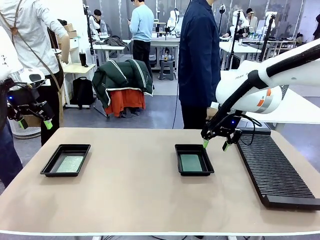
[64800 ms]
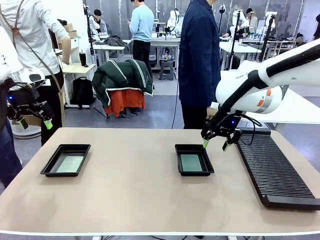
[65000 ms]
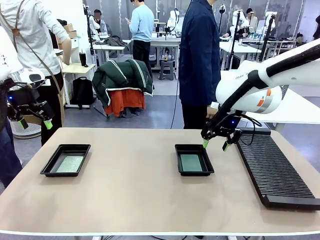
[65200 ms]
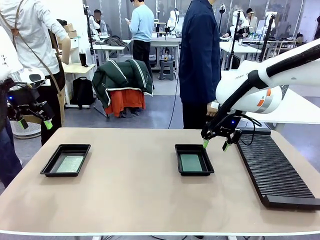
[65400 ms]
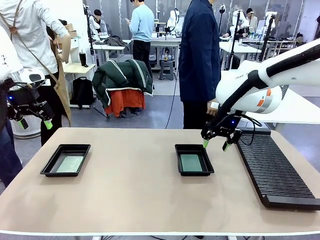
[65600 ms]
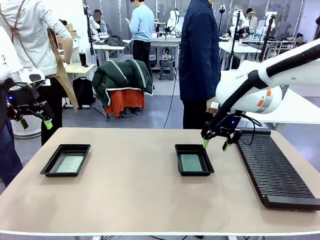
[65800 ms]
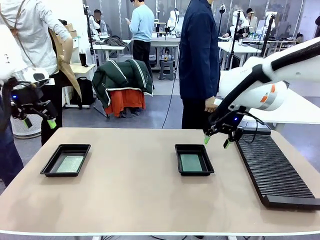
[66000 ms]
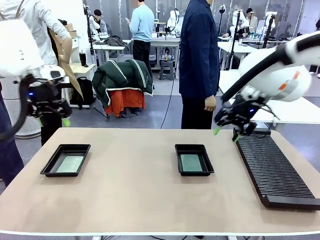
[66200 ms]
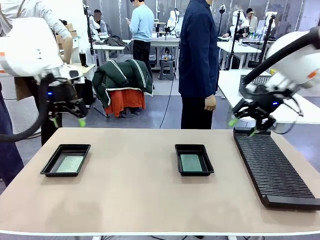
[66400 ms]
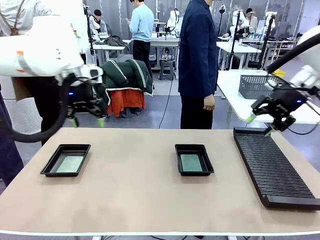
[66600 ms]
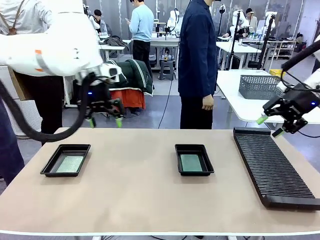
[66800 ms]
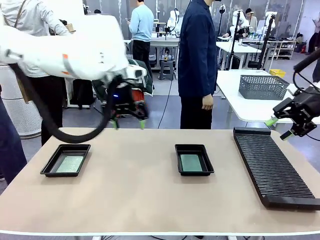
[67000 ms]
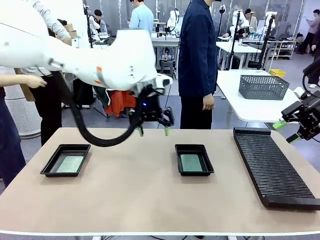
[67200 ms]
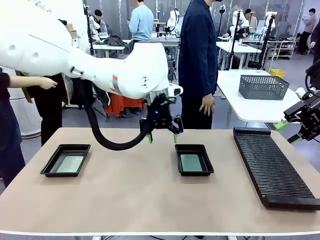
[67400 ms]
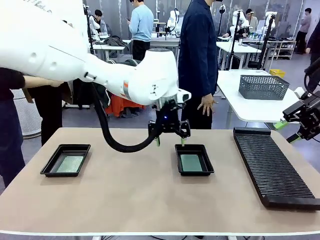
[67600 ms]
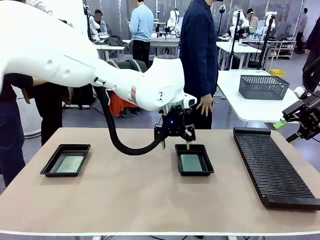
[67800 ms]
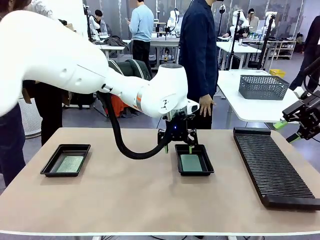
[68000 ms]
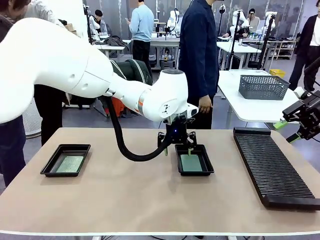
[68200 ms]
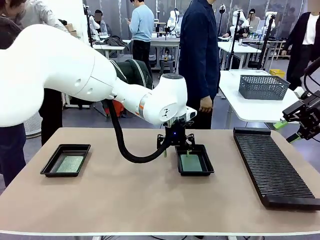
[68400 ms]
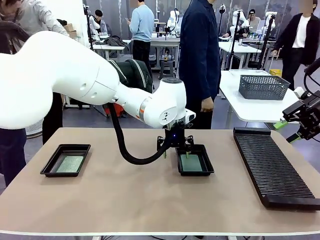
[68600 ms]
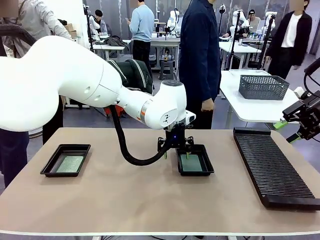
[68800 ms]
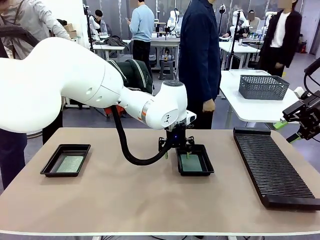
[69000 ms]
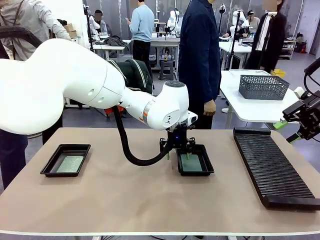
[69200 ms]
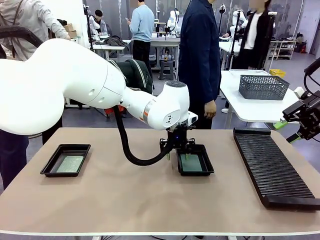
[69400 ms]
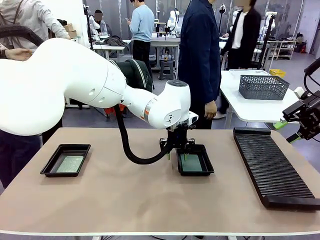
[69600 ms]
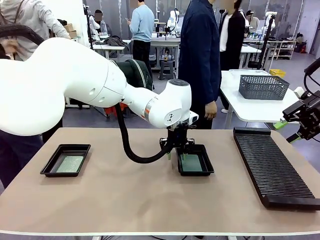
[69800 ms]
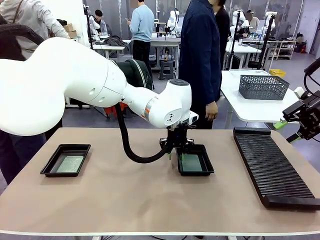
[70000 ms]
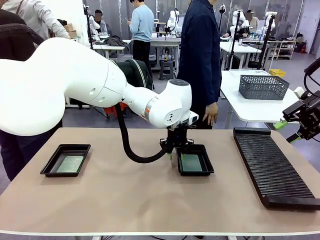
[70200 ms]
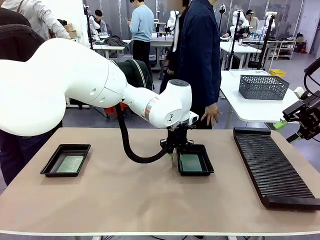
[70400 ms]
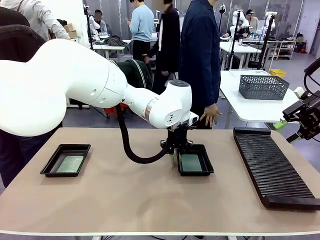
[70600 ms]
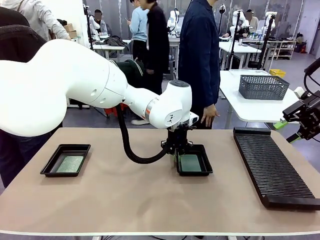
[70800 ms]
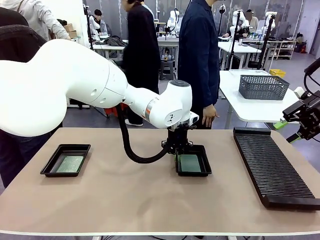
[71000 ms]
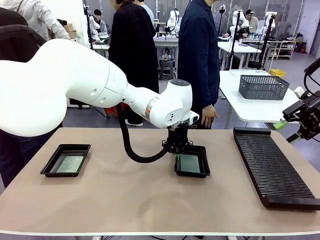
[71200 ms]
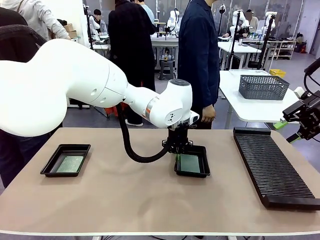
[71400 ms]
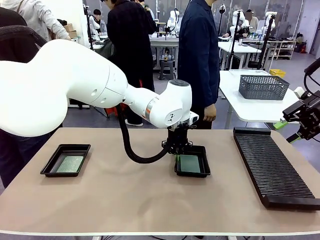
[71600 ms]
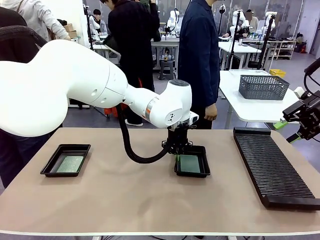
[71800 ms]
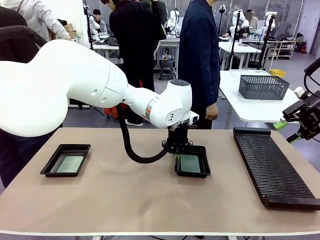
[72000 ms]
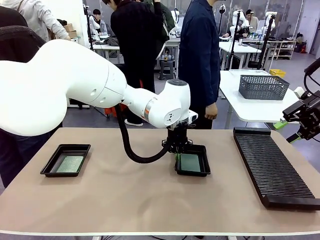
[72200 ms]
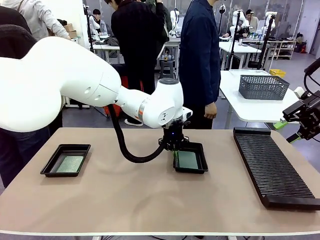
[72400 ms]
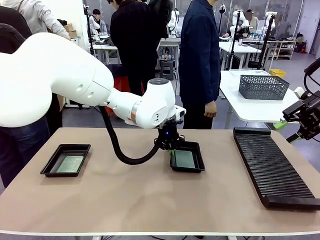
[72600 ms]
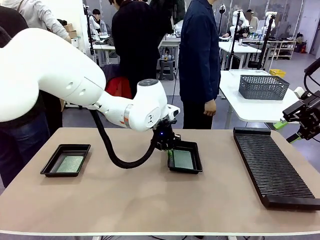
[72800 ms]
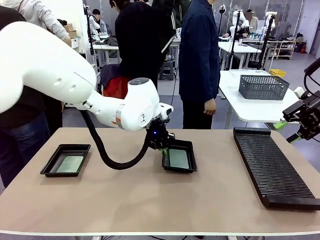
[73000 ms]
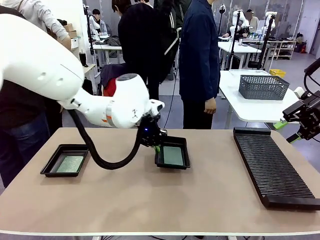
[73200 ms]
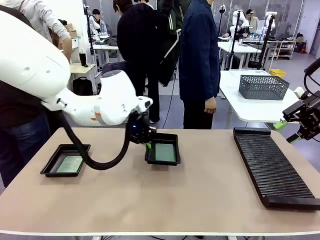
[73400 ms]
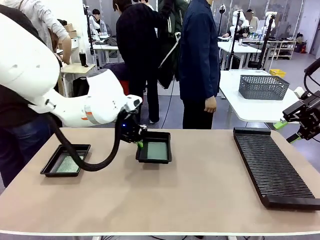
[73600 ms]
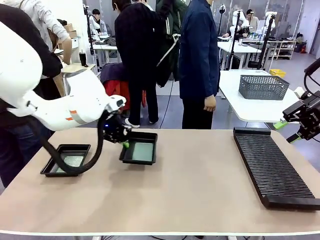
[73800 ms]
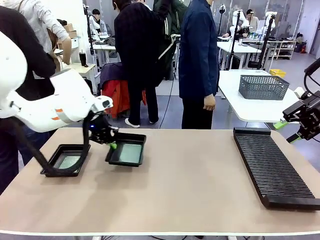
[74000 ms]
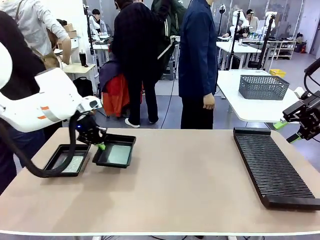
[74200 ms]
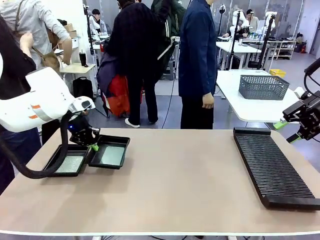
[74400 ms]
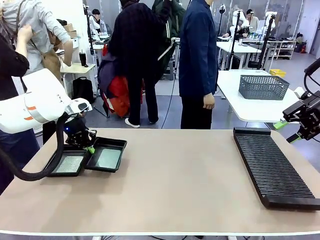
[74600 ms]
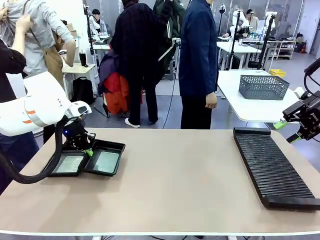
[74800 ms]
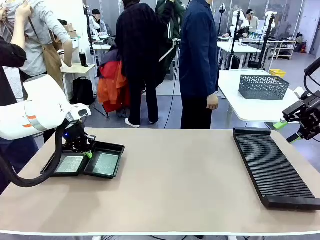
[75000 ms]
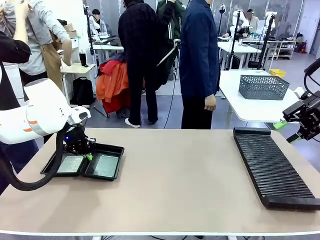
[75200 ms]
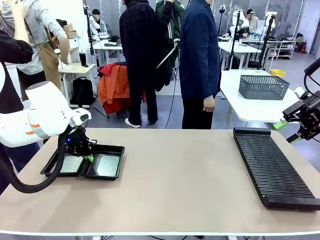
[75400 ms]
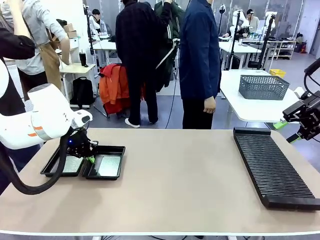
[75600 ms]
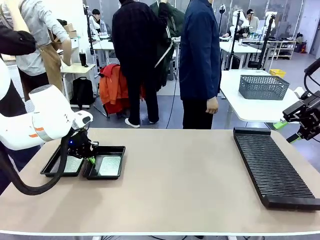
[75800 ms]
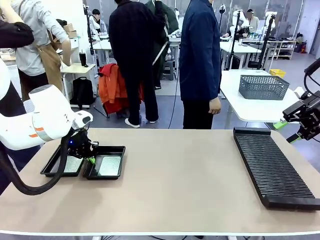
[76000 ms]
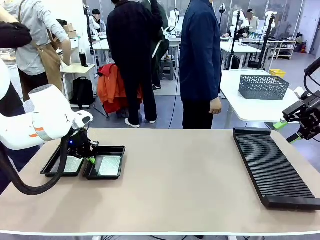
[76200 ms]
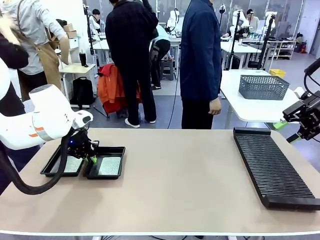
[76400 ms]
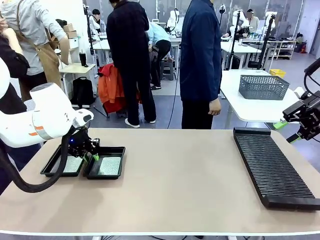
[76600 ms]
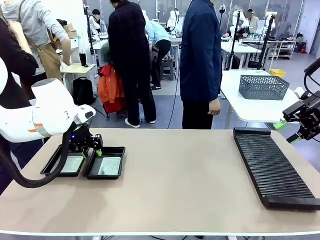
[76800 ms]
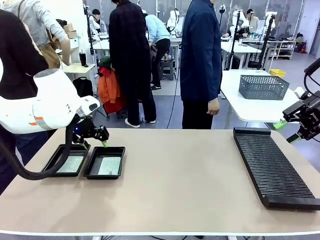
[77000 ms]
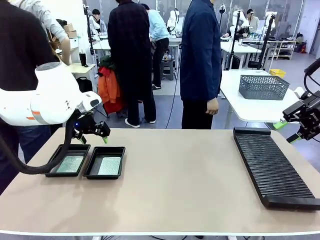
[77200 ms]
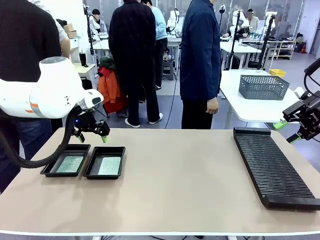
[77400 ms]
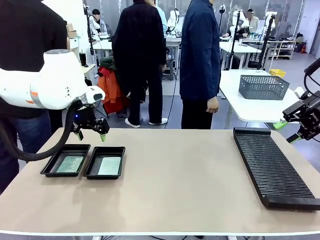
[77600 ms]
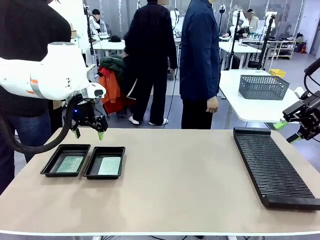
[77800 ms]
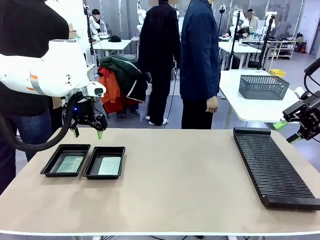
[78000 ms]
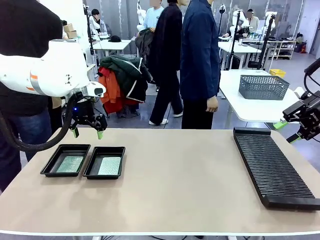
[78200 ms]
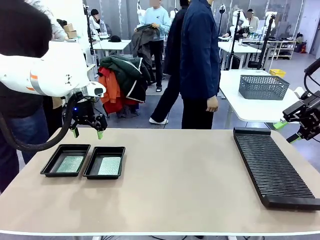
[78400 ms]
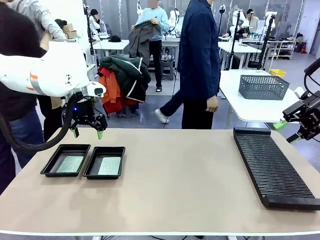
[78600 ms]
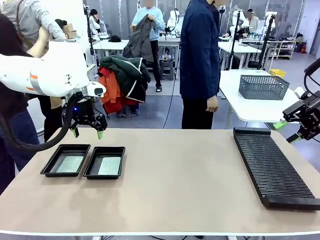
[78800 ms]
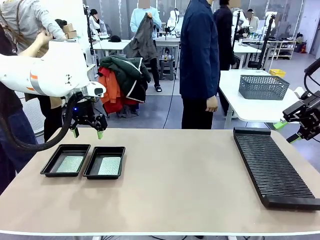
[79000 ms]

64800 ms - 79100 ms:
Task: Inspect and transfer BCBs to ESD trays.
Robot: Pick up the ESD tray and place it on the left side of the table.

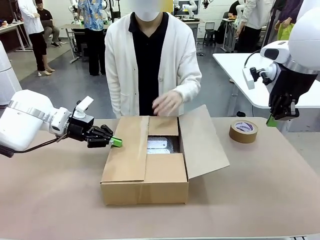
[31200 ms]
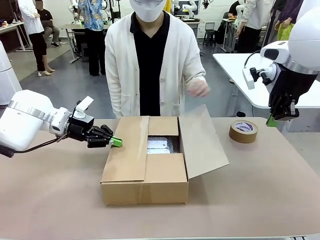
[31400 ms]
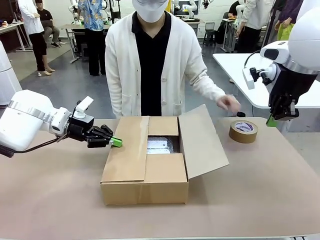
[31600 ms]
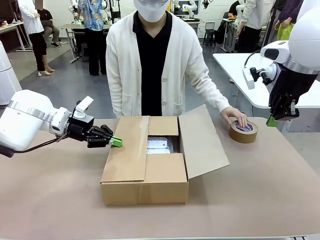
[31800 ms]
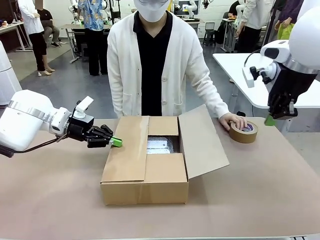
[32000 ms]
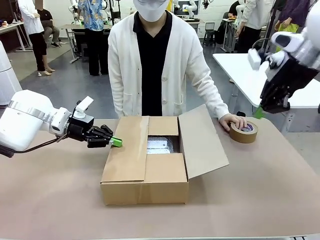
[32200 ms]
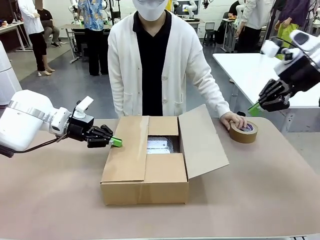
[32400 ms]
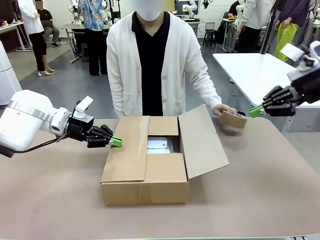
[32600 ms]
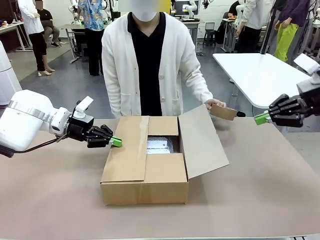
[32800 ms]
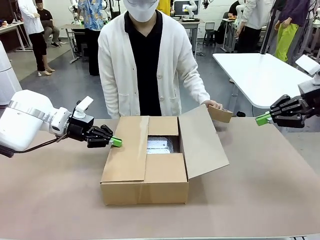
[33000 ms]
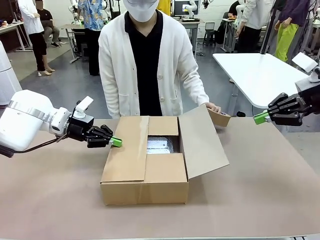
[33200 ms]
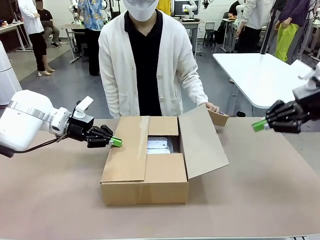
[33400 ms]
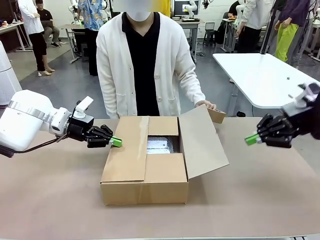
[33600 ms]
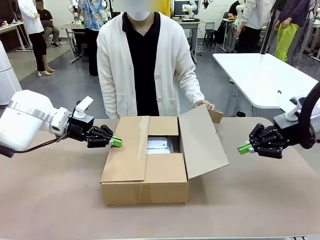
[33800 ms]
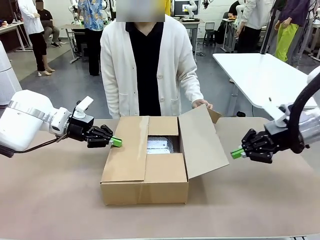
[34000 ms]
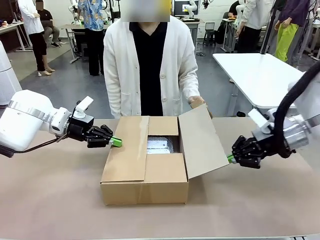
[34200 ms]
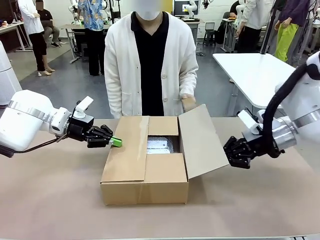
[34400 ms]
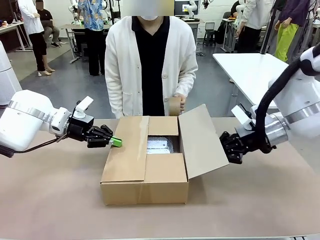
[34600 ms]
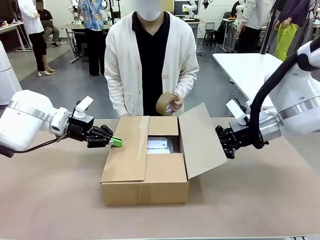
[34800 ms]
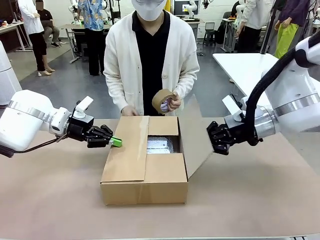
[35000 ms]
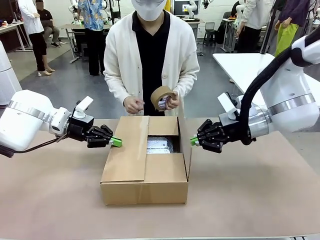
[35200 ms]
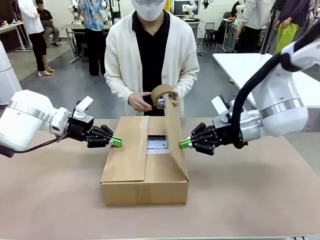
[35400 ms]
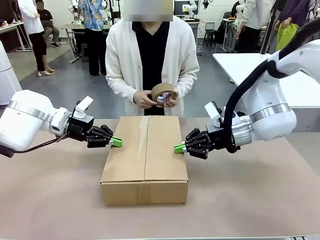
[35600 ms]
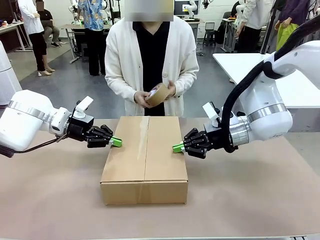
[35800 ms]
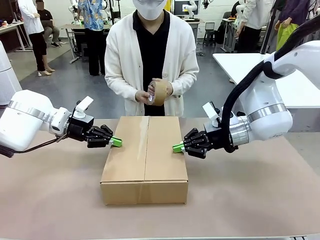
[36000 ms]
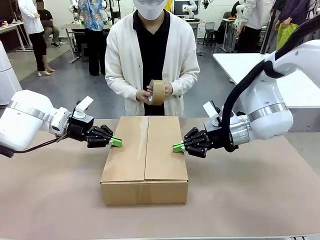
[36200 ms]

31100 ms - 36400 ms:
Task: Wrap the clocks to prevent damage.
Robot: Push the left (or right) flap of the Package Box to close it.
